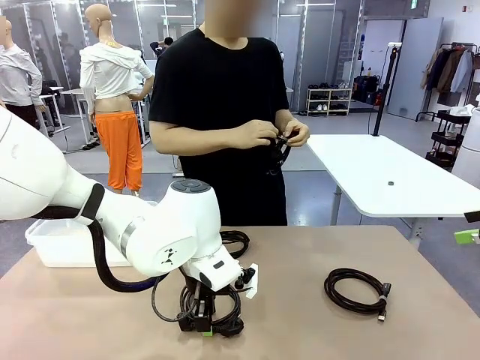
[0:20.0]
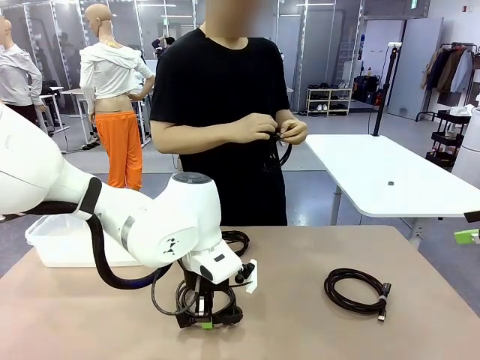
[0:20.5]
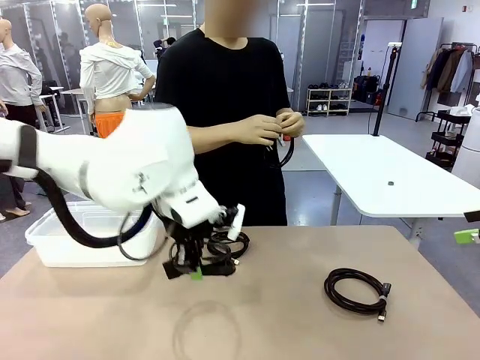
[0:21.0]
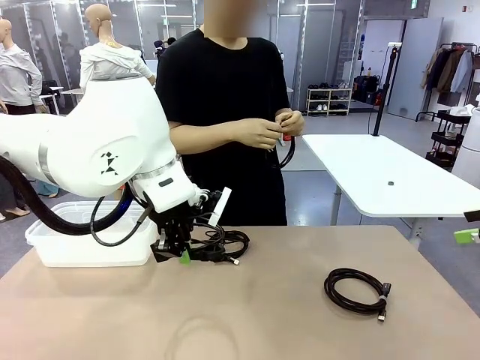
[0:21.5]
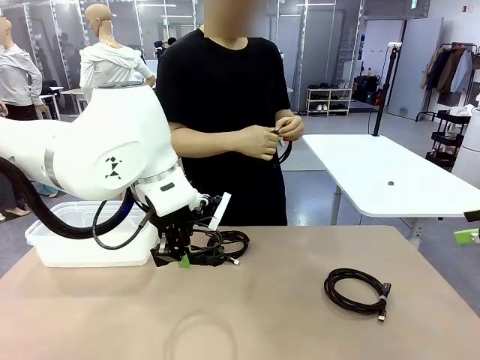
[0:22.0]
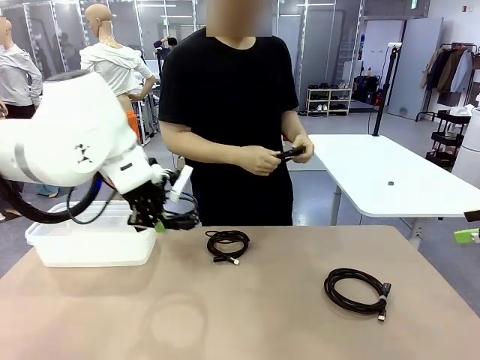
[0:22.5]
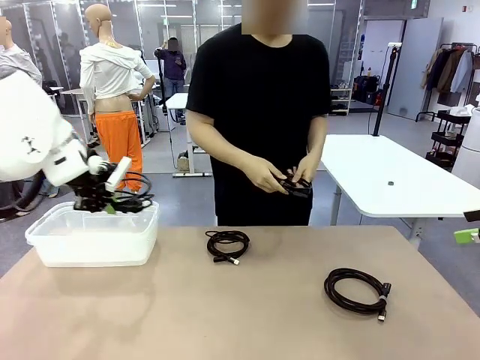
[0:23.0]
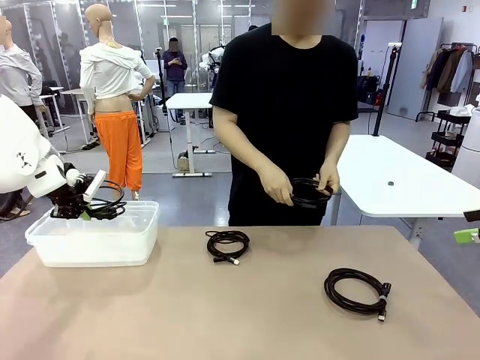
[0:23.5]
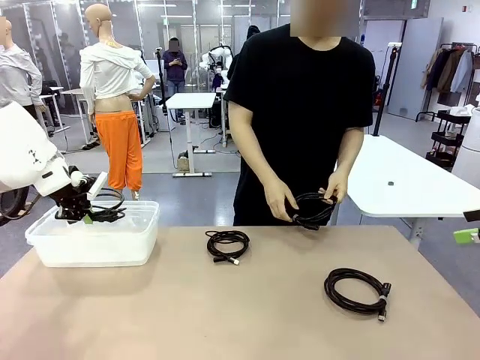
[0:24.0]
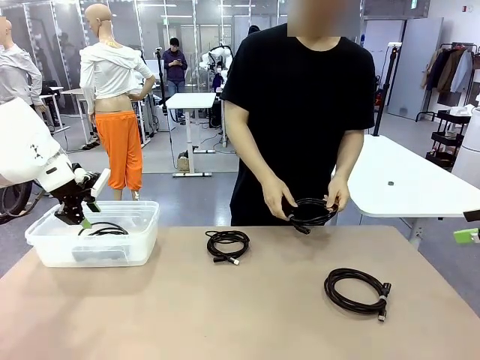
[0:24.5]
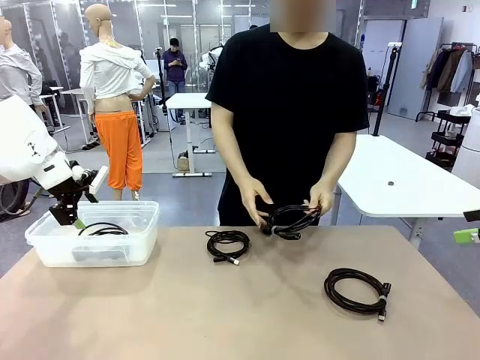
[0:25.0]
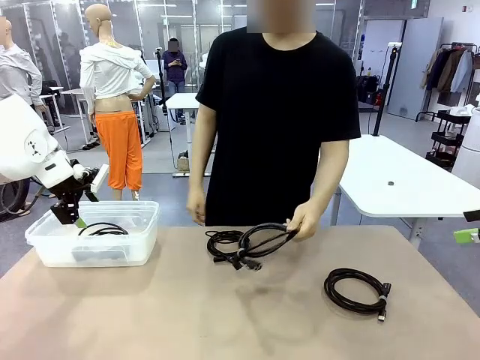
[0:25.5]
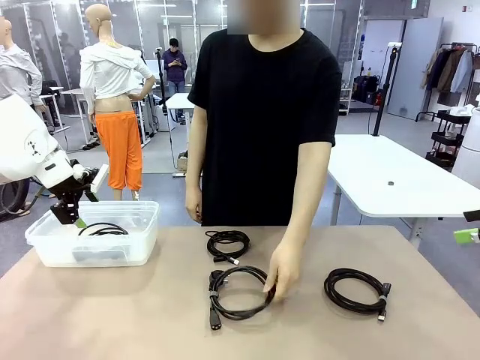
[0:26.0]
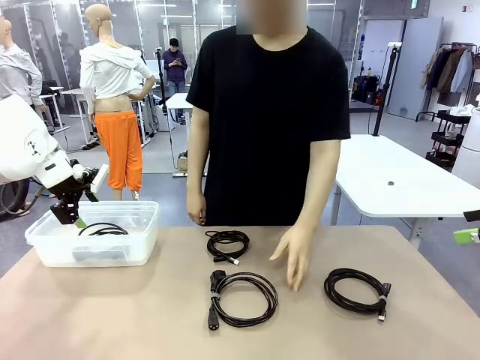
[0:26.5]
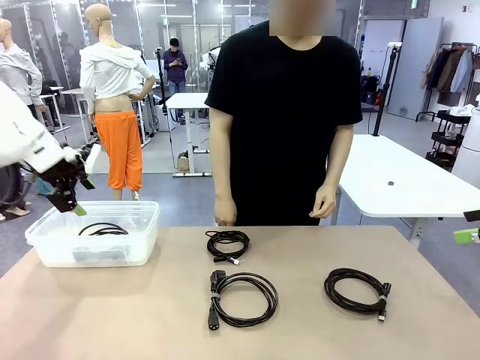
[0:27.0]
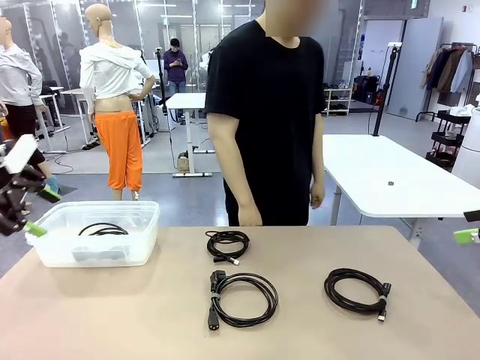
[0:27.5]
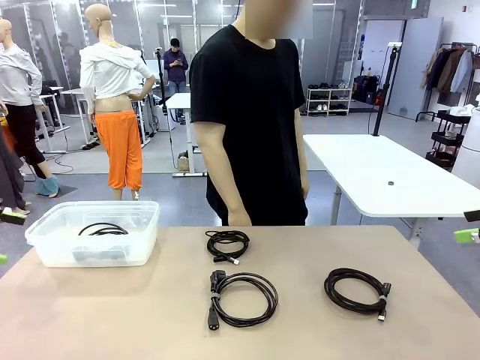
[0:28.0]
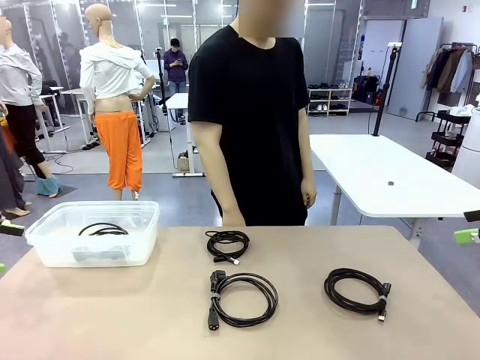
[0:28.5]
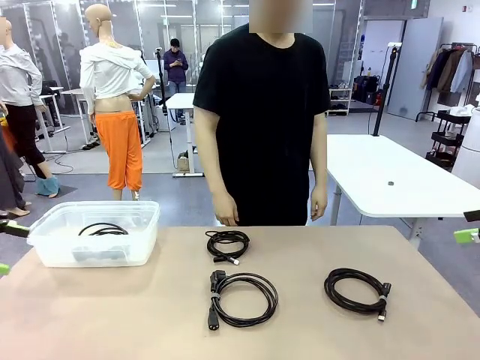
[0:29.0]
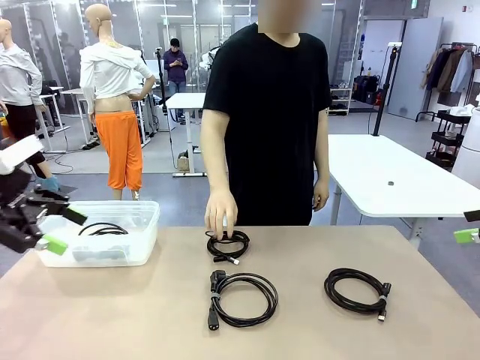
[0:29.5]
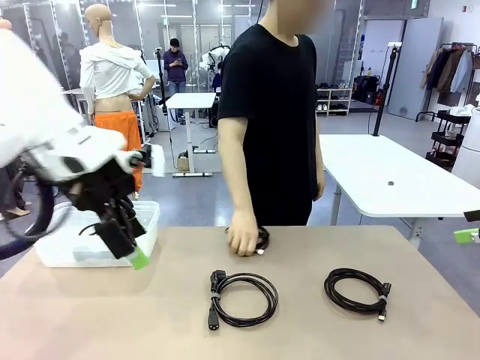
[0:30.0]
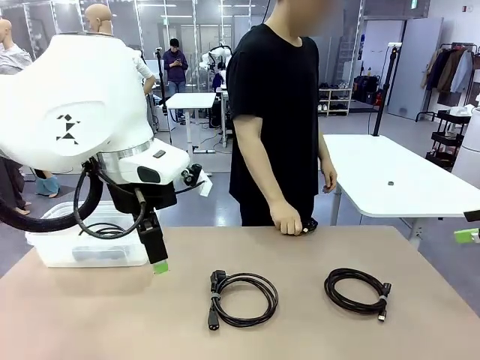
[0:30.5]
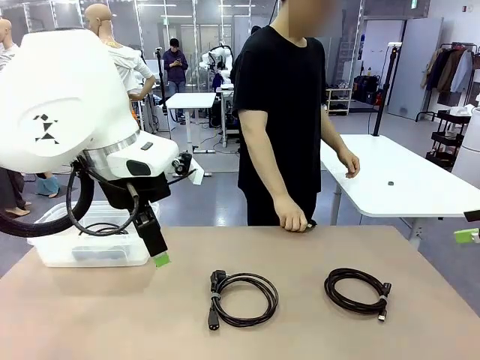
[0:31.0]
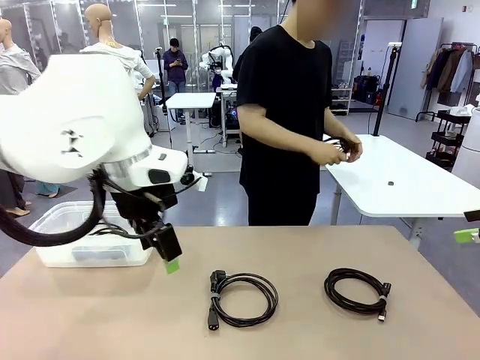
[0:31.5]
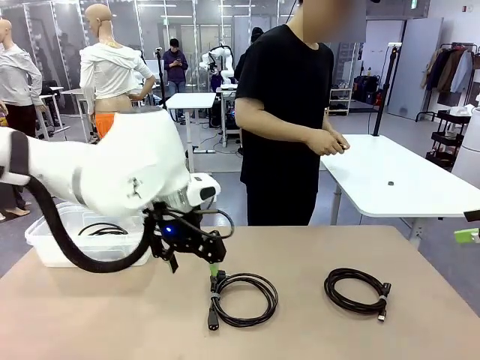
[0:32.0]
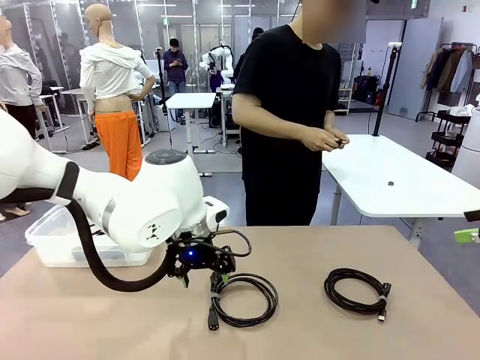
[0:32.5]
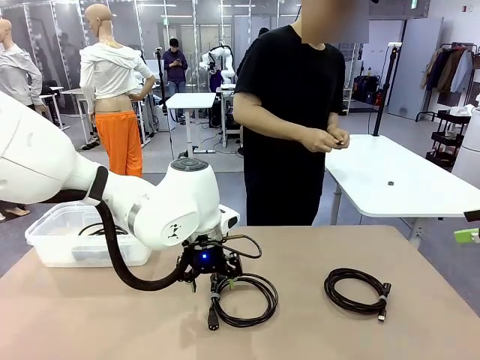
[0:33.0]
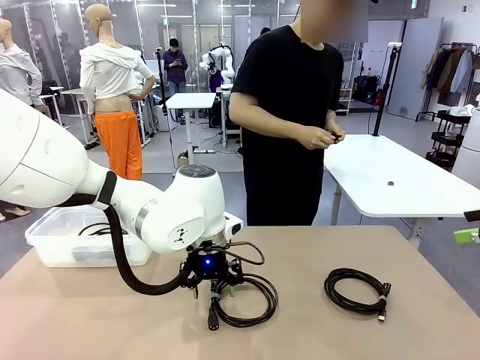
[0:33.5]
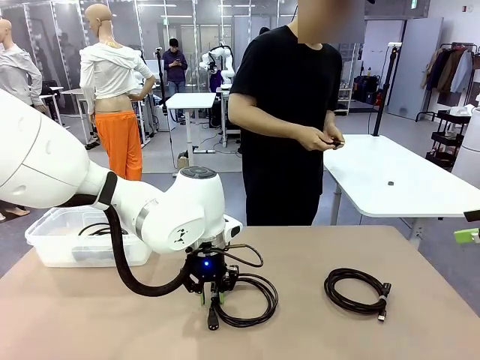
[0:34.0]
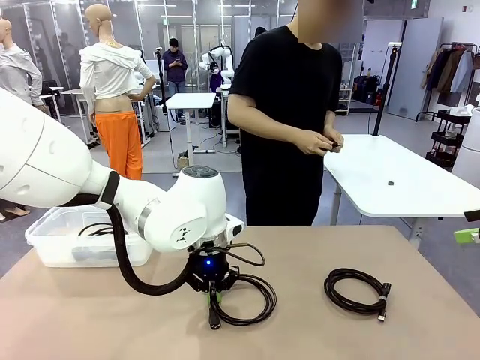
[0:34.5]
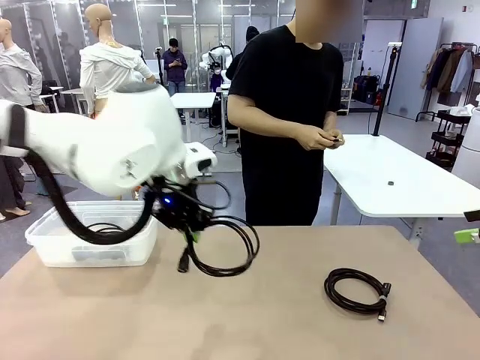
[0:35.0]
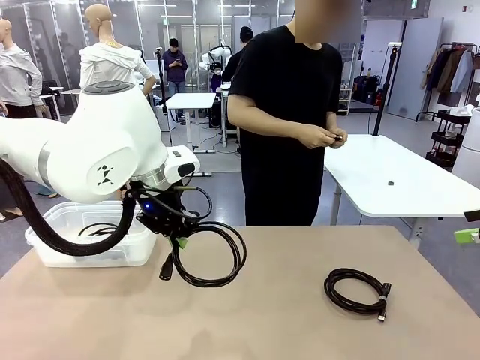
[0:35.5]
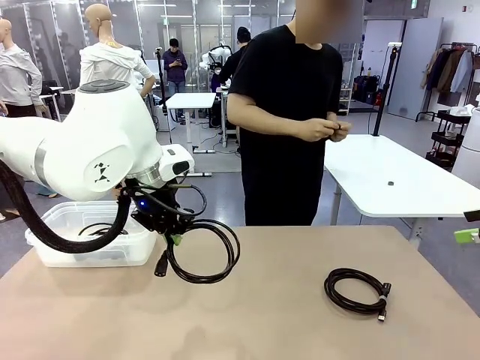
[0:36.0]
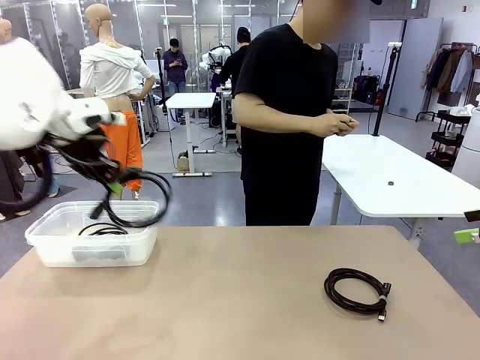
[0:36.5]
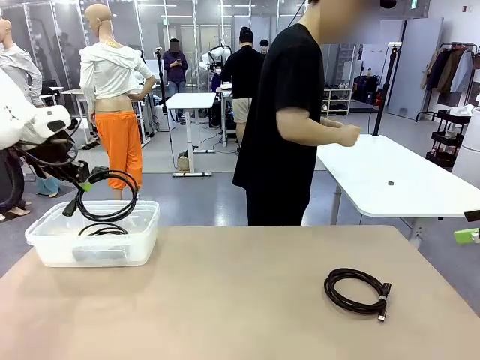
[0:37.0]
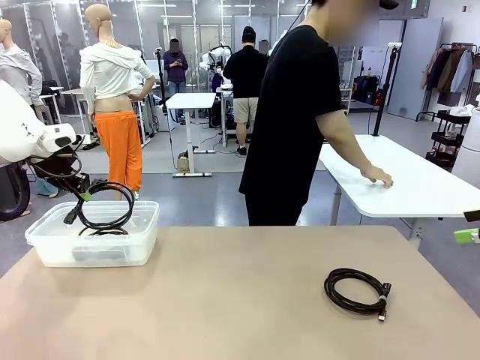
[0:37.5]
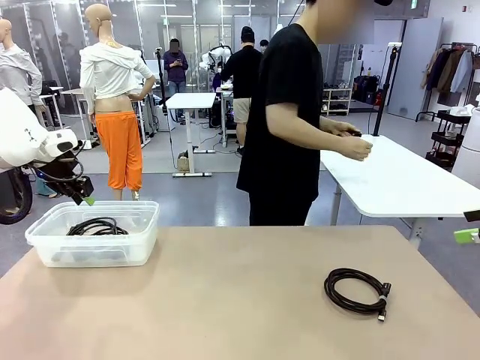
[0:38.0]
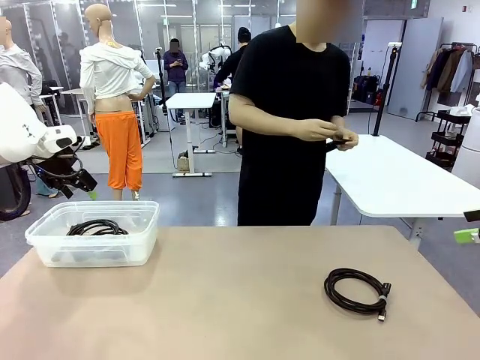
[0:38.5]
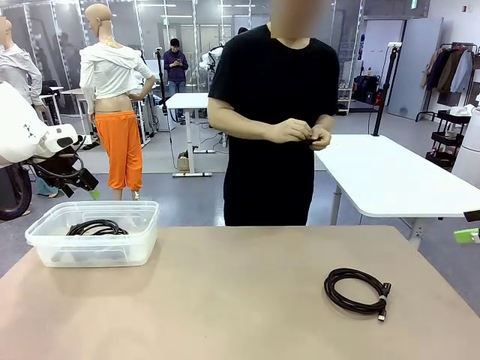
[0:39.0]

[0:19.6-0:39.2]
Task: Organize and store the cables.
Robot: Place the Power Cable into the Organizing box.
